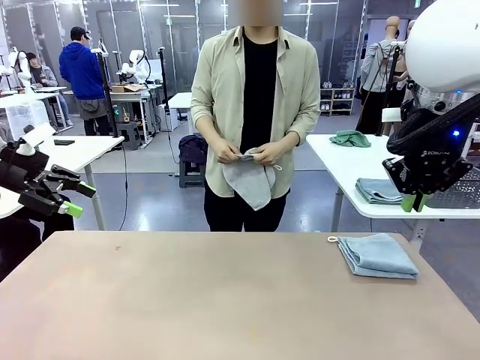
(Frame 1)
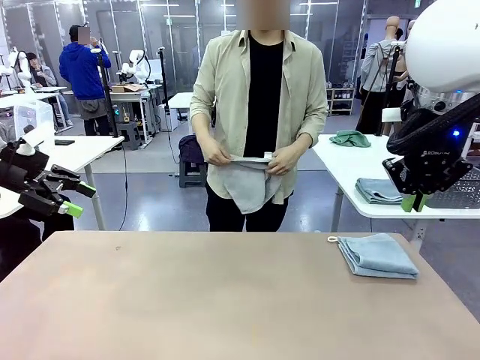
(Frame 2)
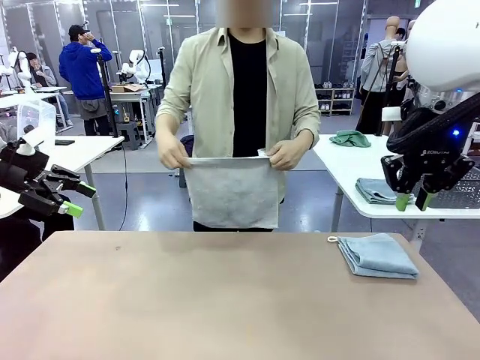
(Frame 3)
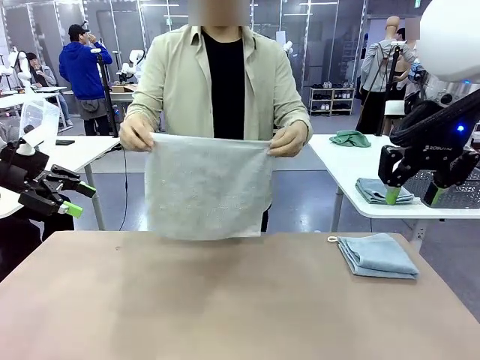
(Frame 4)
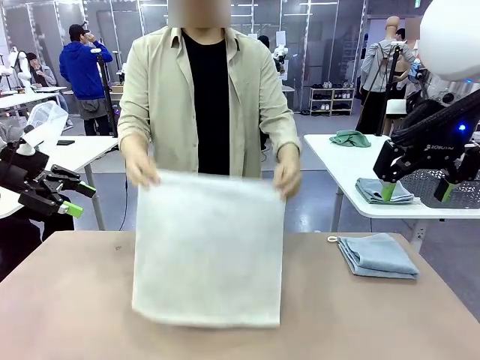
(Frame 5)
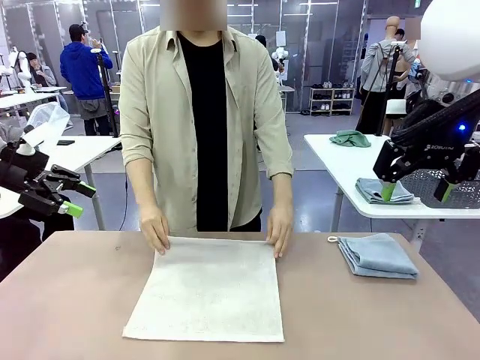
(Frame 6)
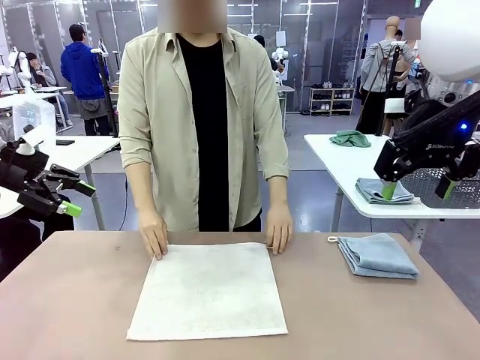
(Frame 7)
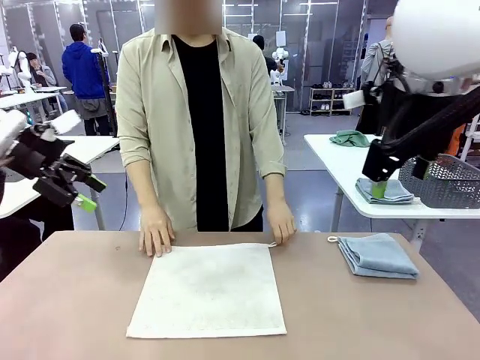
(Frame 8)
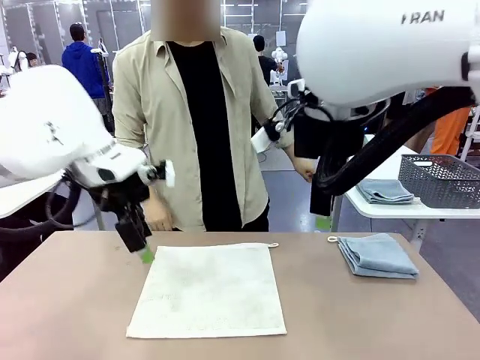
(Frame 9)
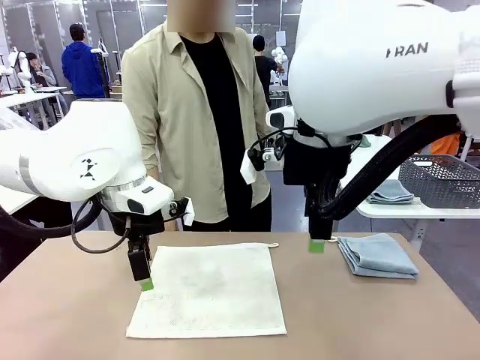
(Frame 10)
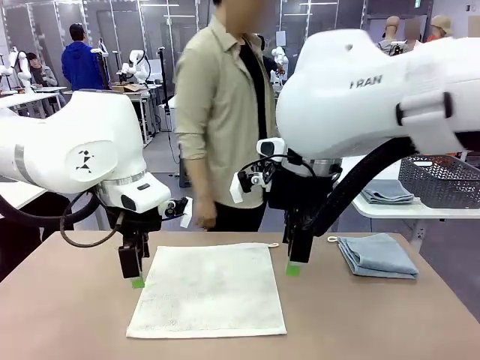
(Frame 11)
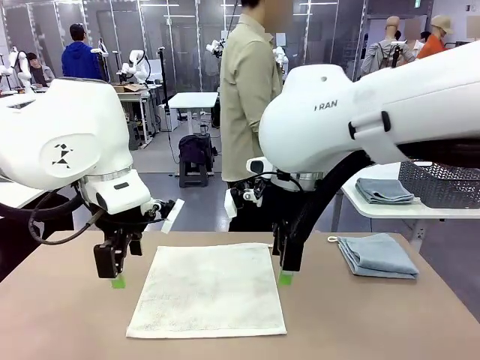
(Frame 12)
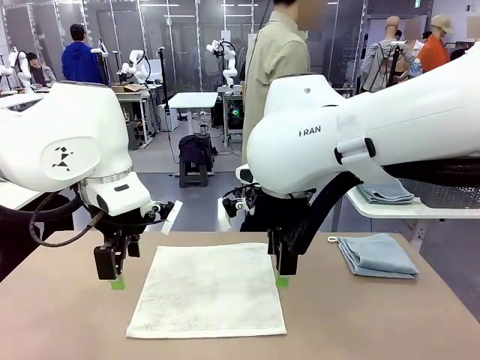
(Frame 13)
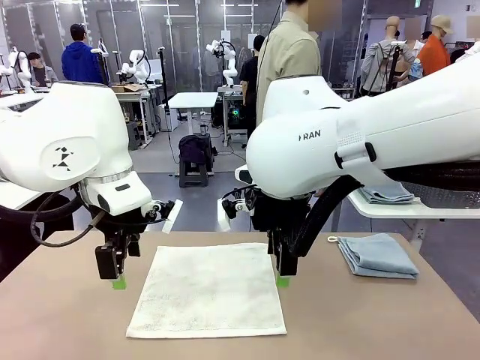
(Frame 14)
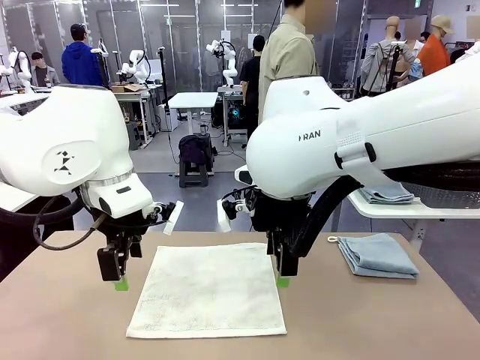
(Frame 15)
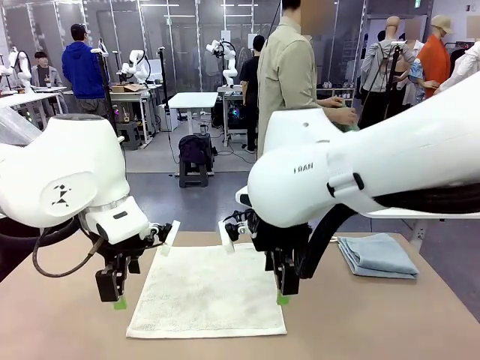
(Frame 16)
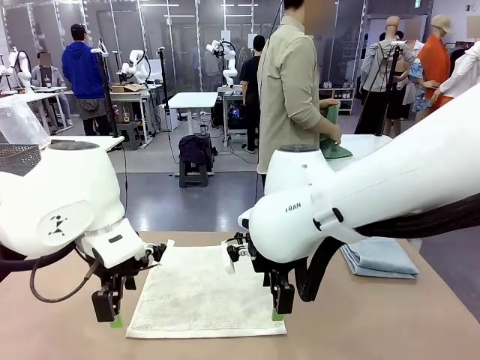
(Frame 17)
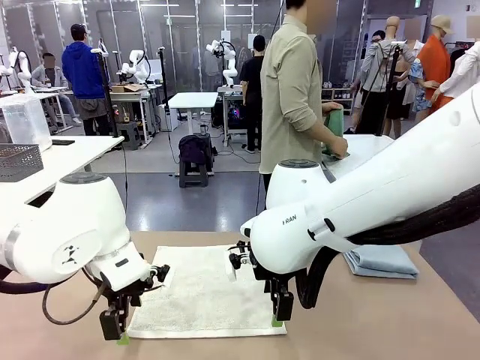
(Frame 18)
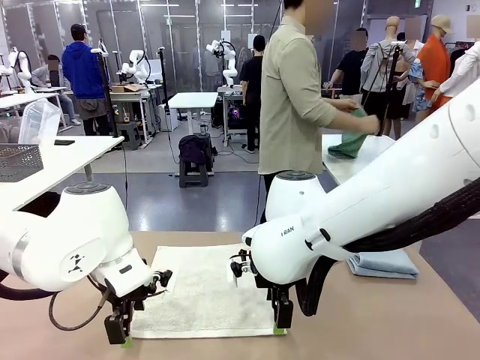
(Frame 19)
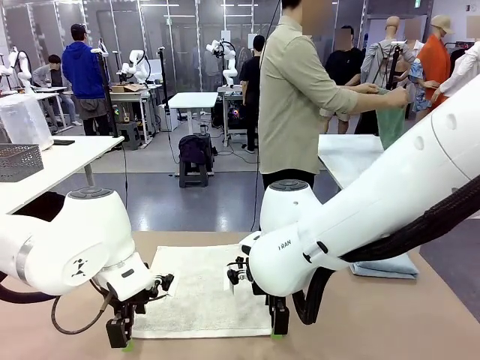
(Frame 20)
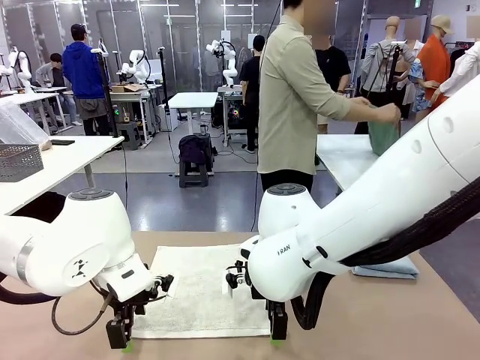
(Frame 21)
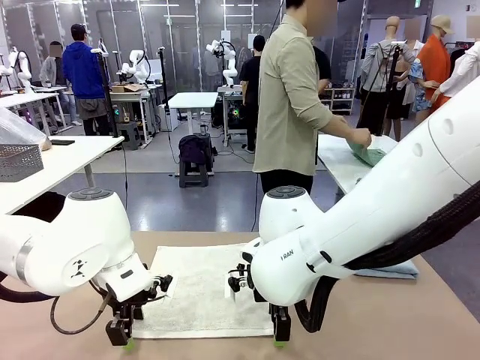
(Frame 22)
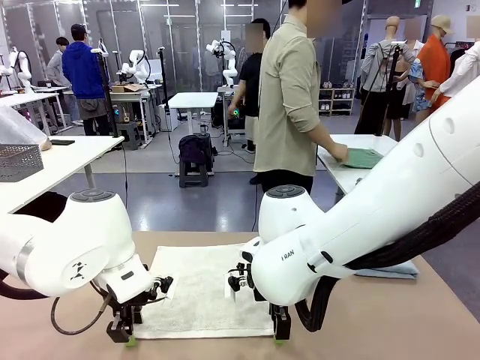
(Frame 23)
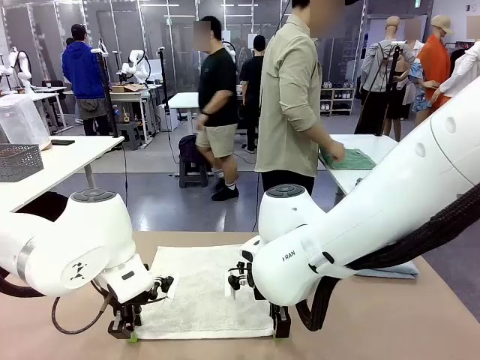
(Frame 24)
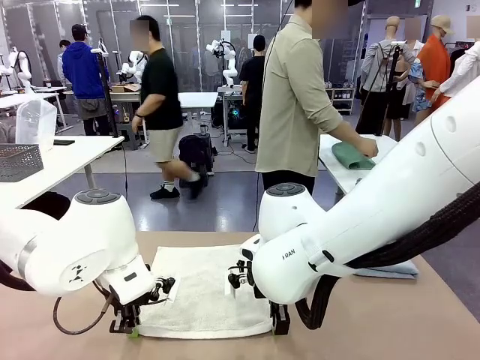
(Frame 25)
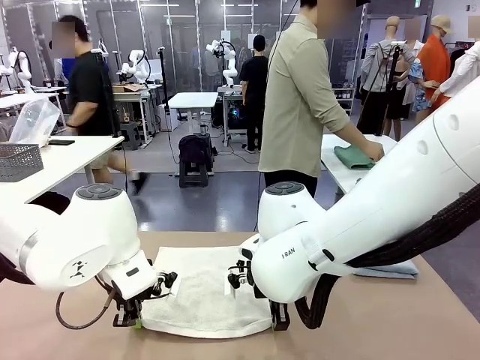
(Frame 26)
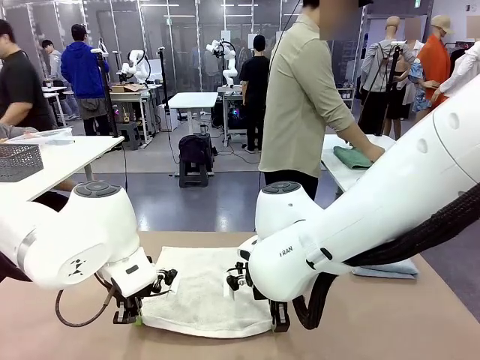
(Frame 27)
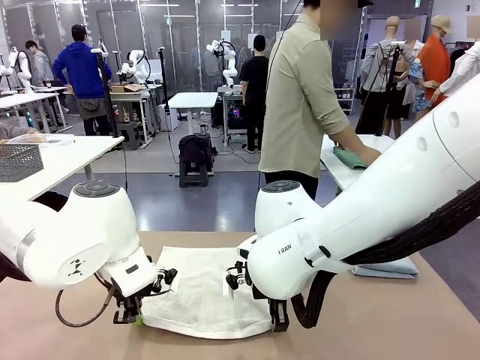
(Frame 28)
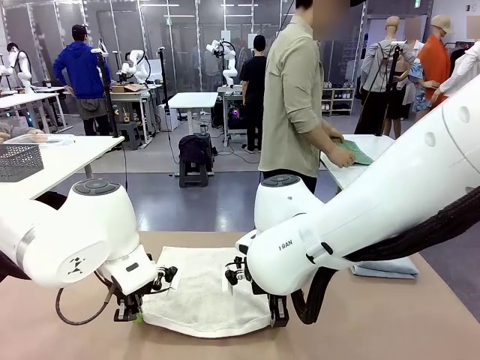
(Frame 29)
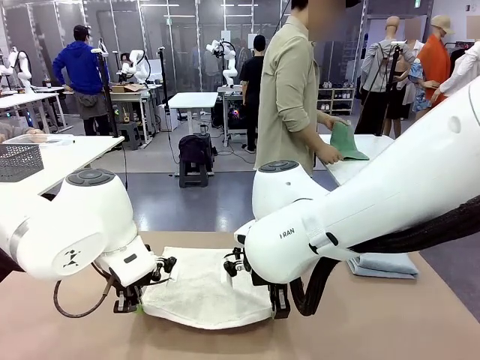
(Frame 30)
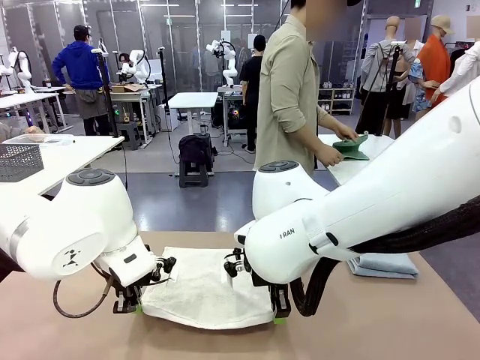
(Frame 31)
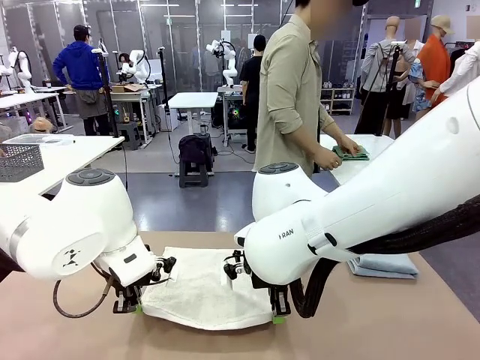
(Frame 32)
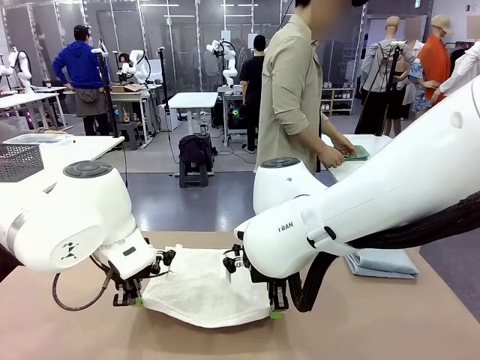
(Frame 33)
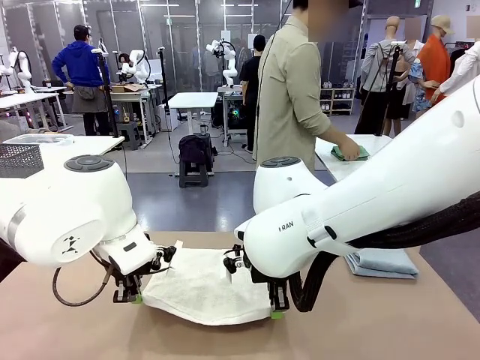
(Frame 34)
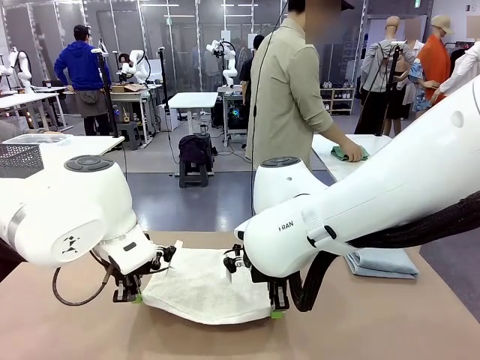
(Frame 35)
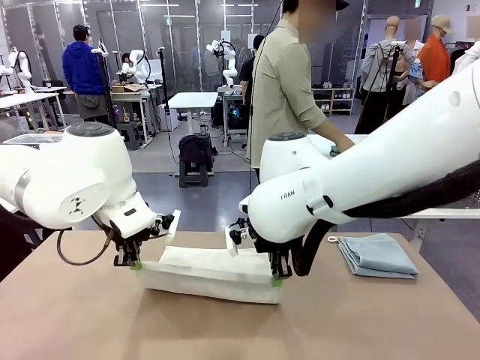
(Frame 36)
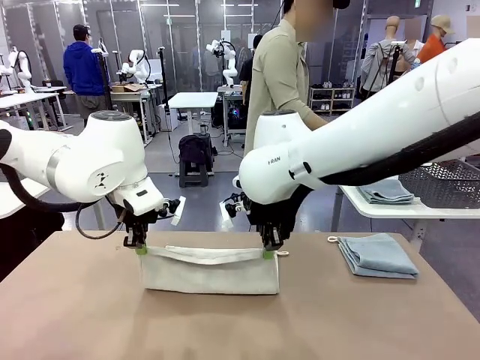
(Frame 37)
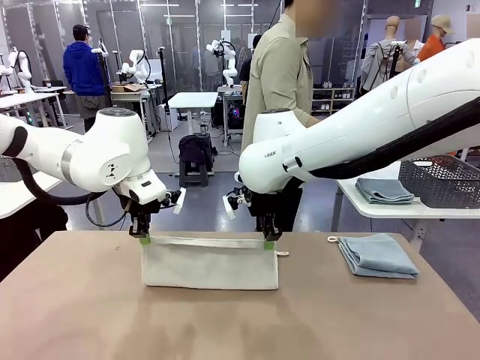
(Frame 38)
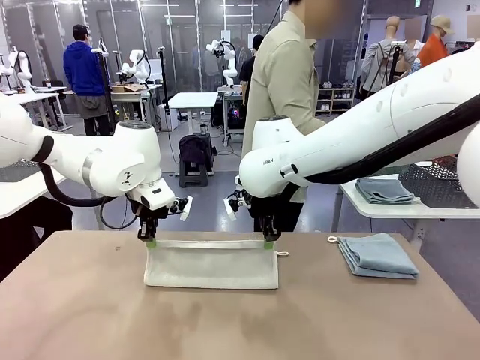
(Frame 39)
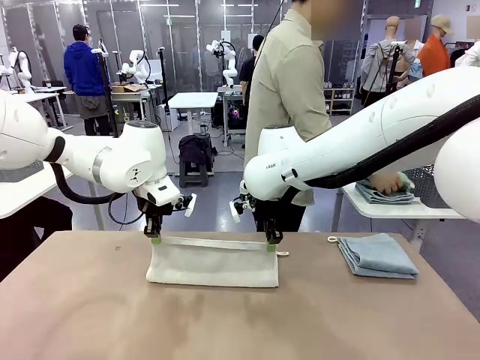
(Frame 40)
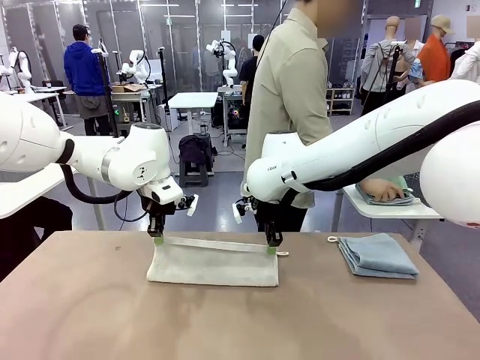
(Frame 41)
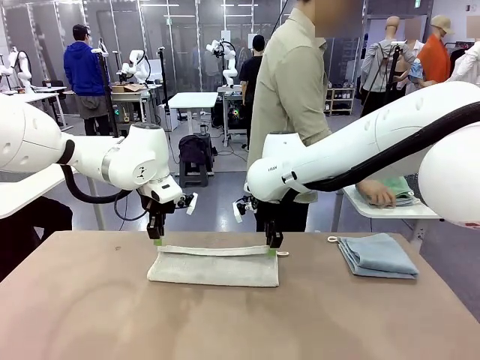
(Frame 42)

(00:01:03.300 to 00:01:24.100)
Task: Fold the towels and place them in the basket.
Robot: When a person lays out a Towel with hook on the table, fold it in half twice.
Person: Pick up one towel from the left side of the human table, fold it in half twice, and stack it on the right side of the table.
